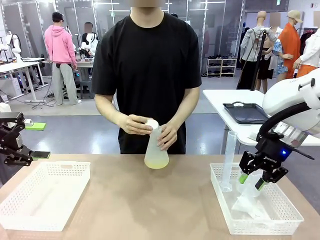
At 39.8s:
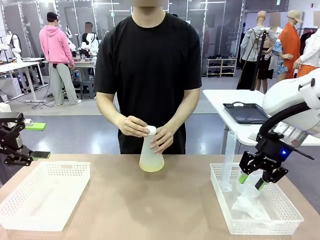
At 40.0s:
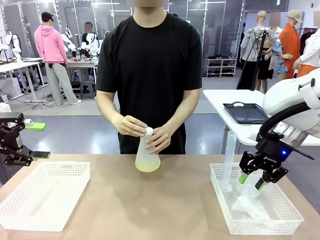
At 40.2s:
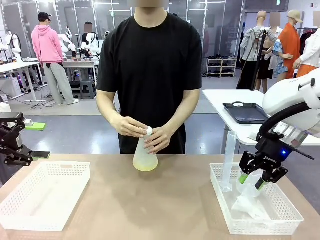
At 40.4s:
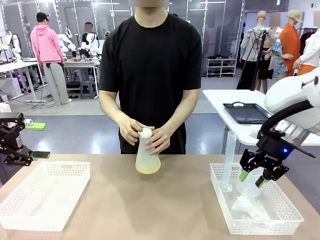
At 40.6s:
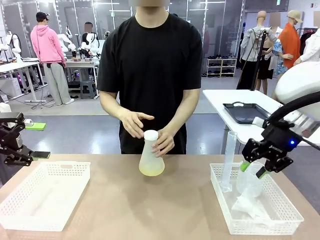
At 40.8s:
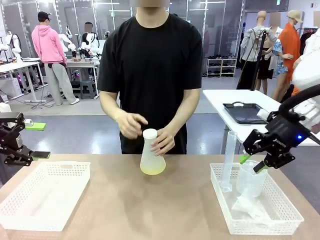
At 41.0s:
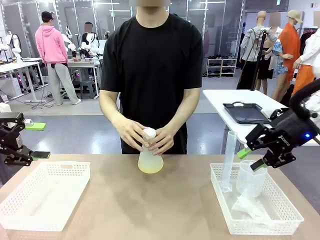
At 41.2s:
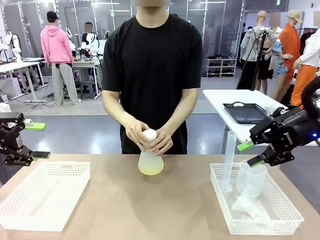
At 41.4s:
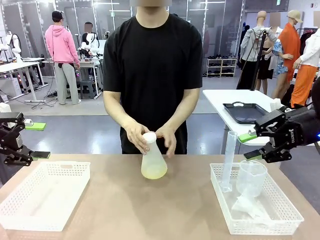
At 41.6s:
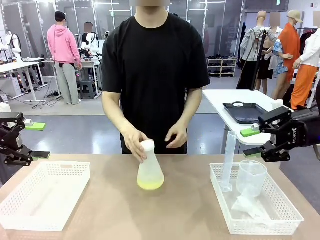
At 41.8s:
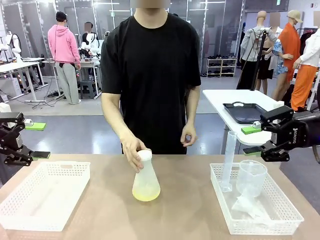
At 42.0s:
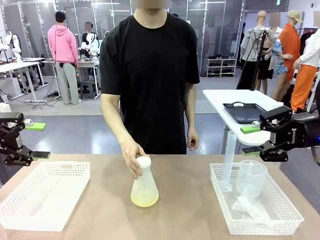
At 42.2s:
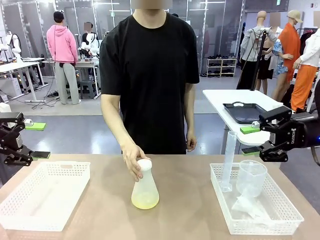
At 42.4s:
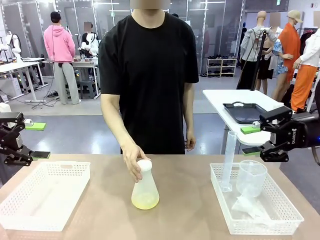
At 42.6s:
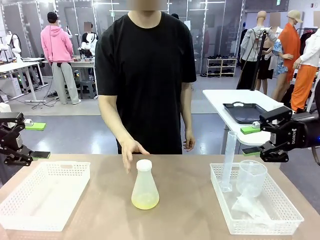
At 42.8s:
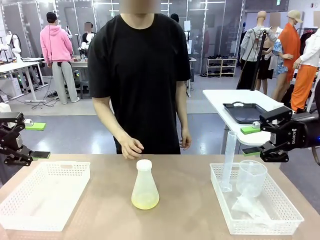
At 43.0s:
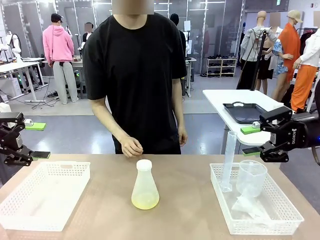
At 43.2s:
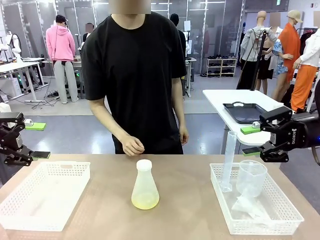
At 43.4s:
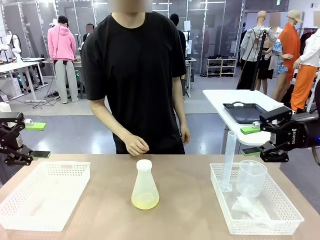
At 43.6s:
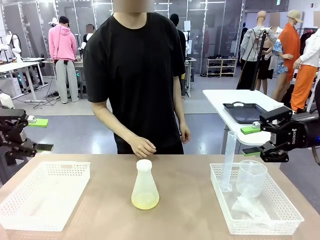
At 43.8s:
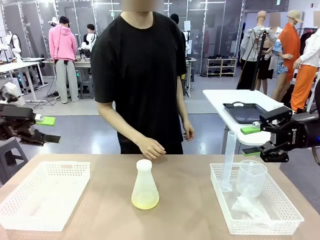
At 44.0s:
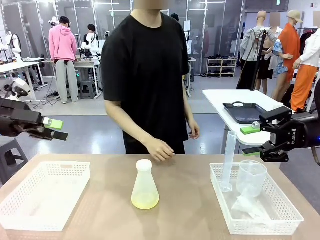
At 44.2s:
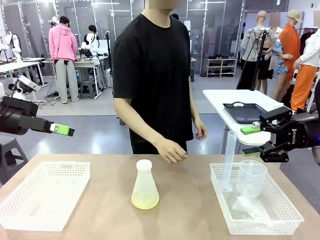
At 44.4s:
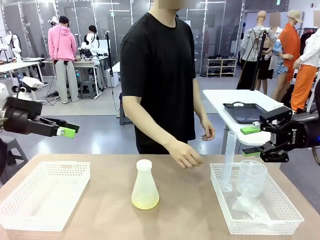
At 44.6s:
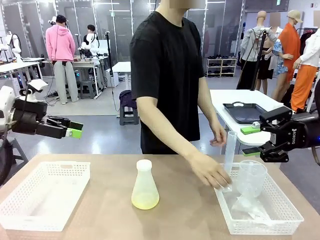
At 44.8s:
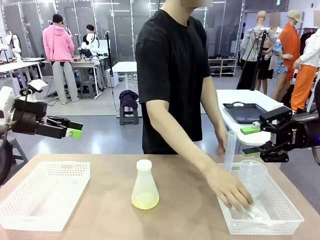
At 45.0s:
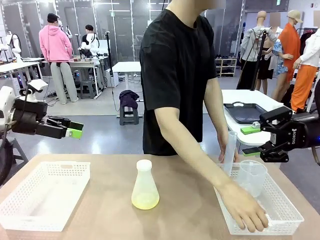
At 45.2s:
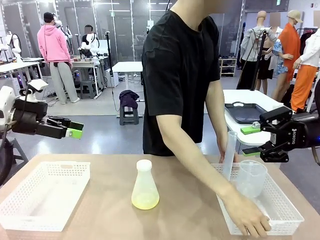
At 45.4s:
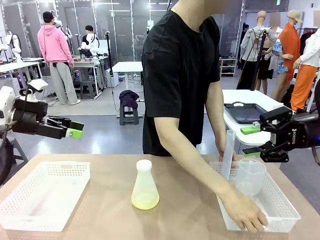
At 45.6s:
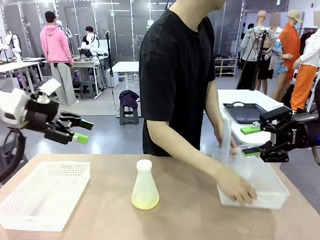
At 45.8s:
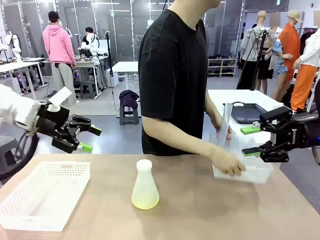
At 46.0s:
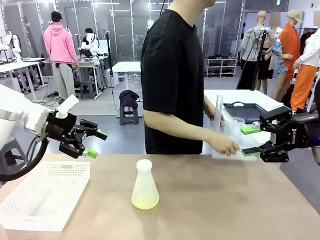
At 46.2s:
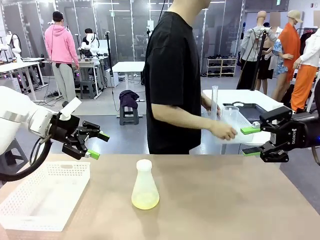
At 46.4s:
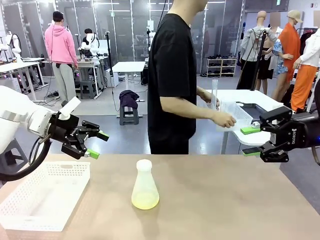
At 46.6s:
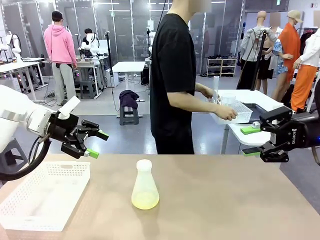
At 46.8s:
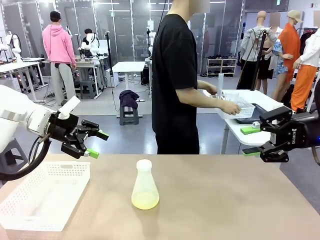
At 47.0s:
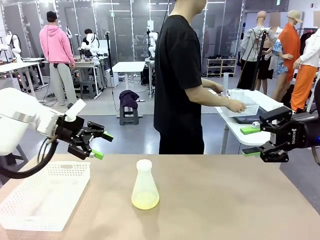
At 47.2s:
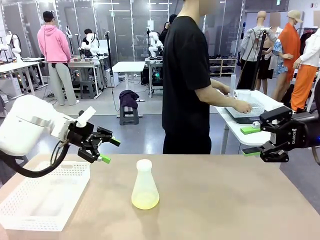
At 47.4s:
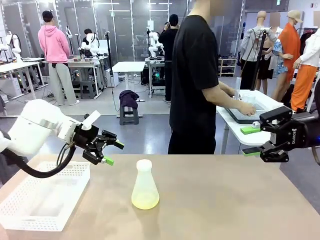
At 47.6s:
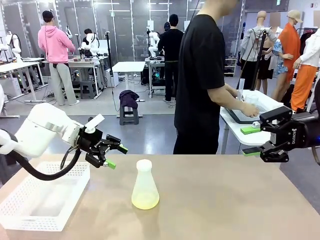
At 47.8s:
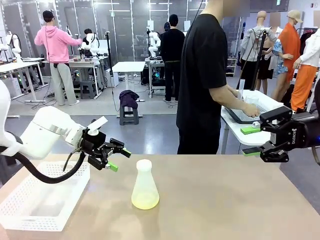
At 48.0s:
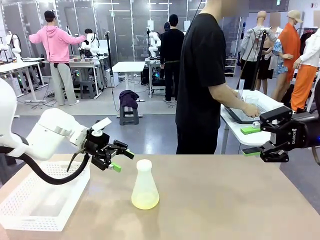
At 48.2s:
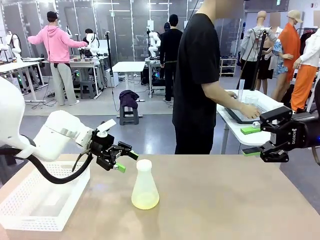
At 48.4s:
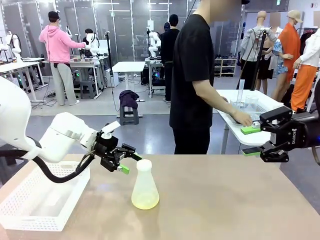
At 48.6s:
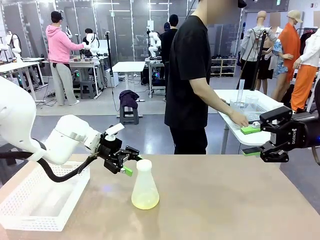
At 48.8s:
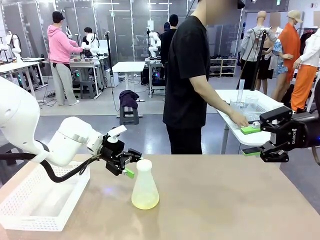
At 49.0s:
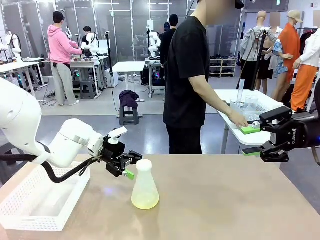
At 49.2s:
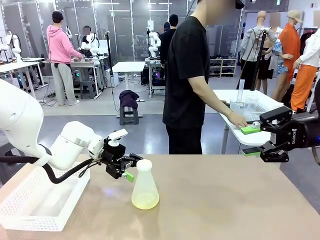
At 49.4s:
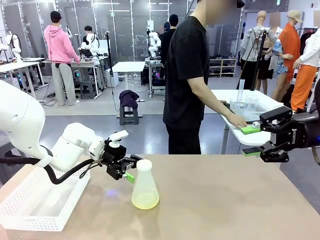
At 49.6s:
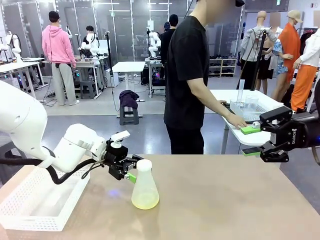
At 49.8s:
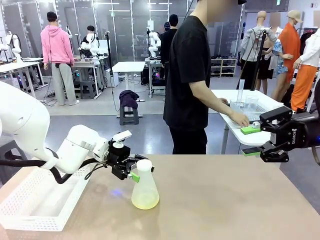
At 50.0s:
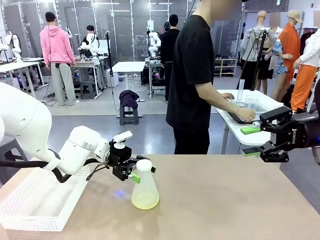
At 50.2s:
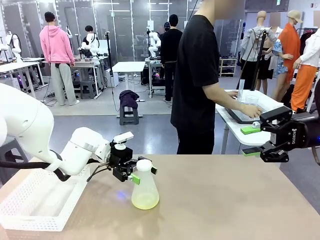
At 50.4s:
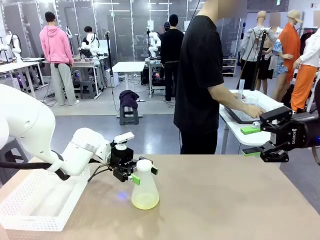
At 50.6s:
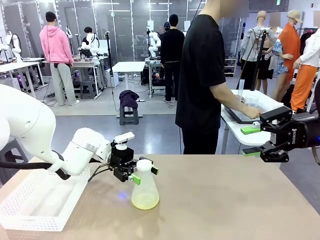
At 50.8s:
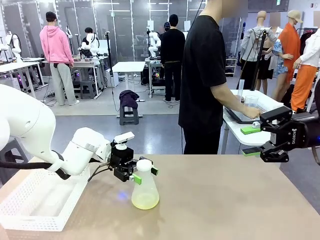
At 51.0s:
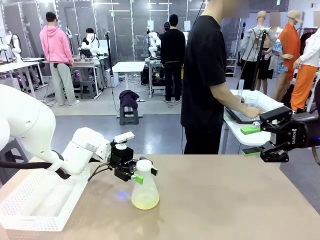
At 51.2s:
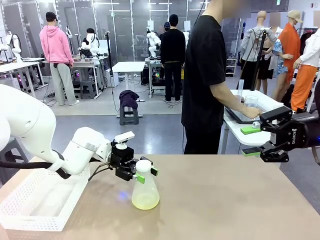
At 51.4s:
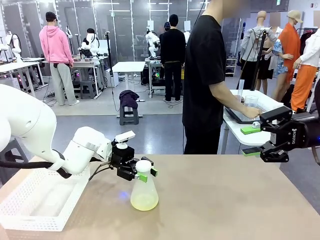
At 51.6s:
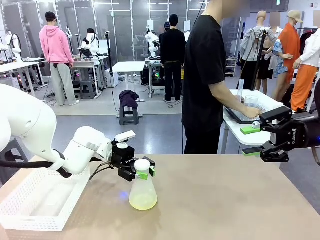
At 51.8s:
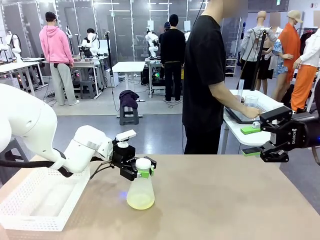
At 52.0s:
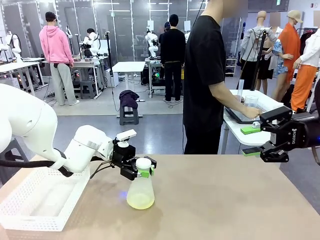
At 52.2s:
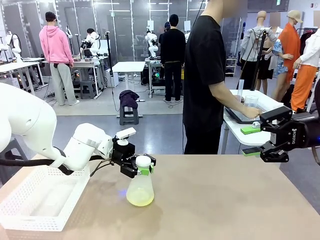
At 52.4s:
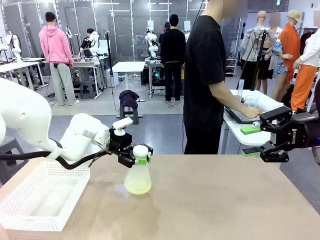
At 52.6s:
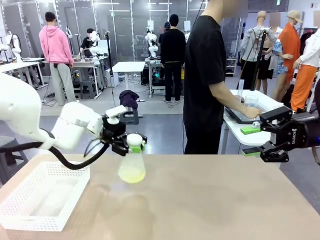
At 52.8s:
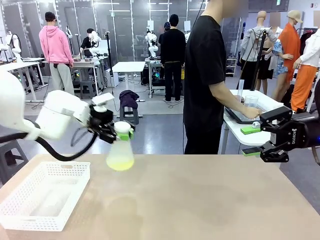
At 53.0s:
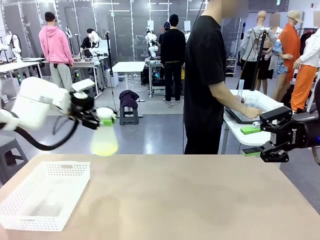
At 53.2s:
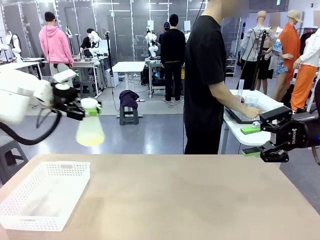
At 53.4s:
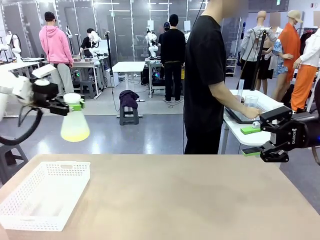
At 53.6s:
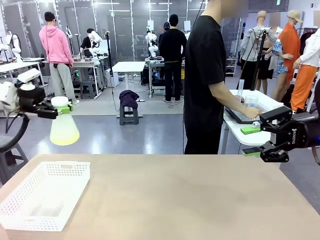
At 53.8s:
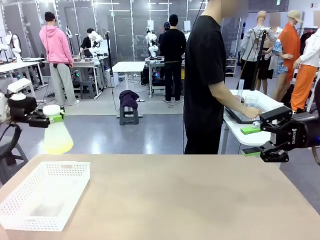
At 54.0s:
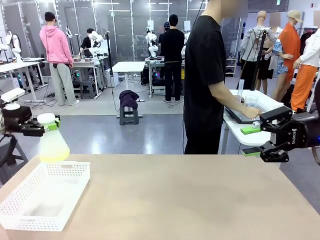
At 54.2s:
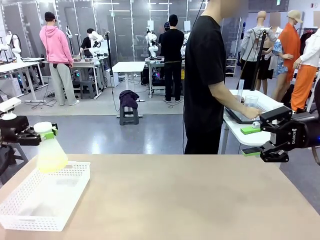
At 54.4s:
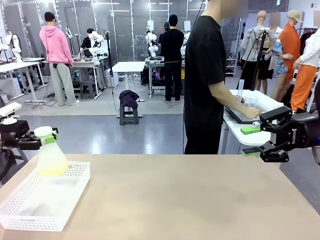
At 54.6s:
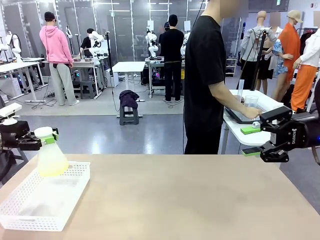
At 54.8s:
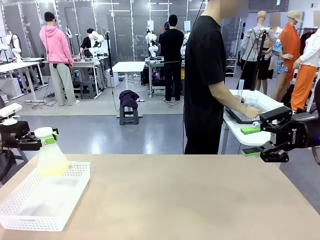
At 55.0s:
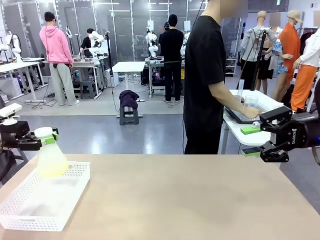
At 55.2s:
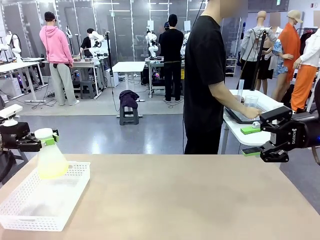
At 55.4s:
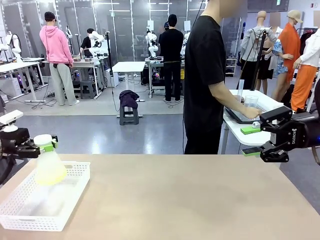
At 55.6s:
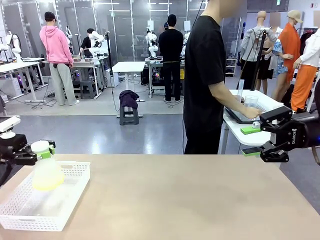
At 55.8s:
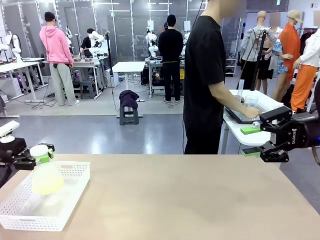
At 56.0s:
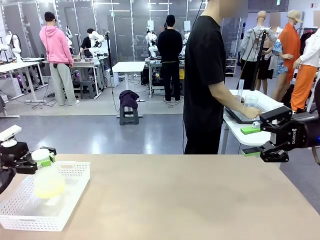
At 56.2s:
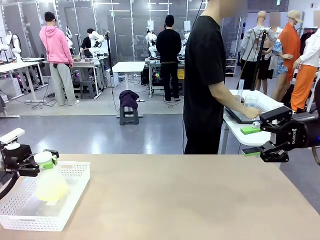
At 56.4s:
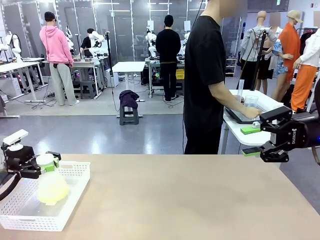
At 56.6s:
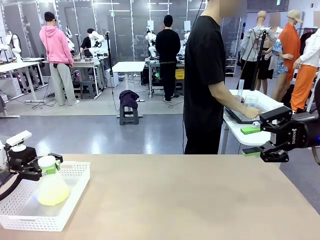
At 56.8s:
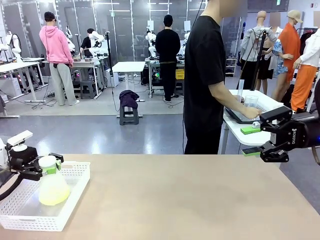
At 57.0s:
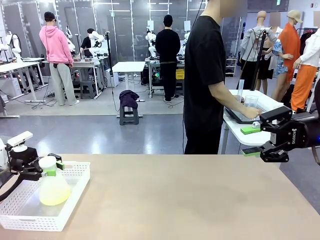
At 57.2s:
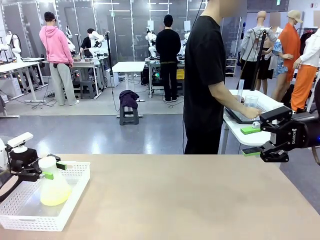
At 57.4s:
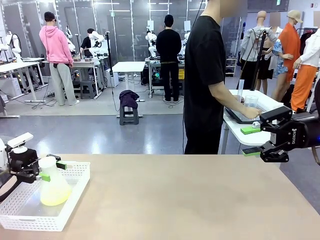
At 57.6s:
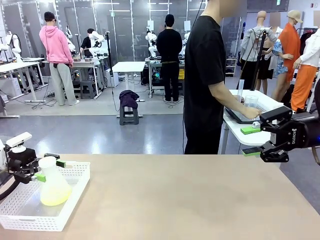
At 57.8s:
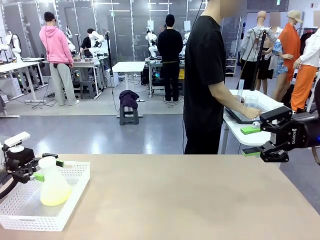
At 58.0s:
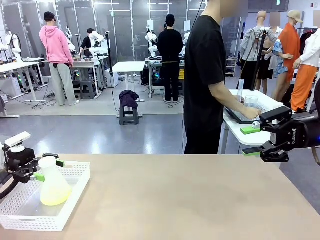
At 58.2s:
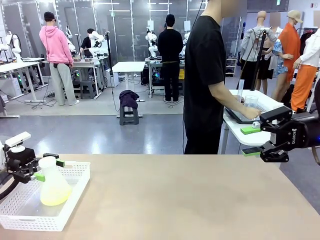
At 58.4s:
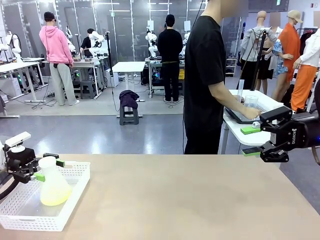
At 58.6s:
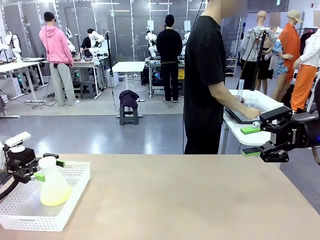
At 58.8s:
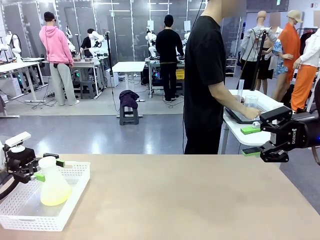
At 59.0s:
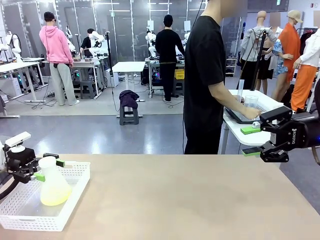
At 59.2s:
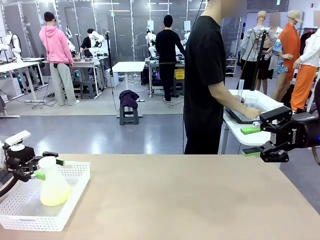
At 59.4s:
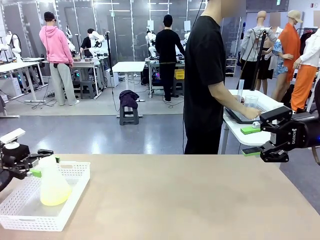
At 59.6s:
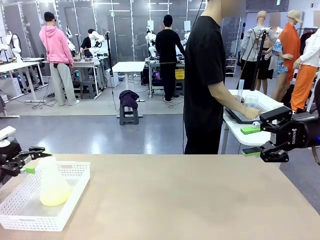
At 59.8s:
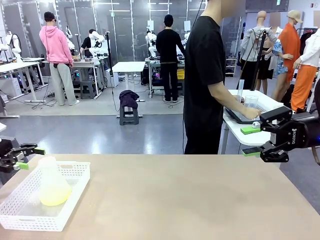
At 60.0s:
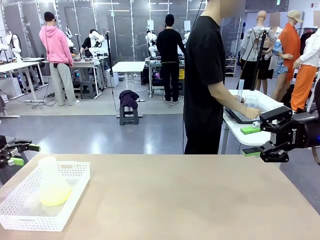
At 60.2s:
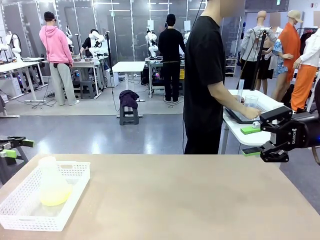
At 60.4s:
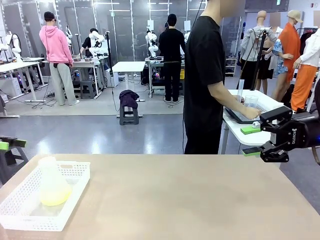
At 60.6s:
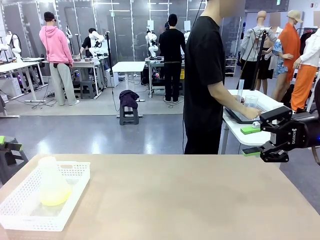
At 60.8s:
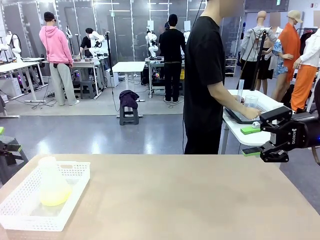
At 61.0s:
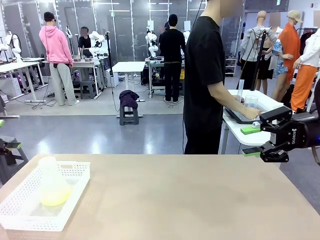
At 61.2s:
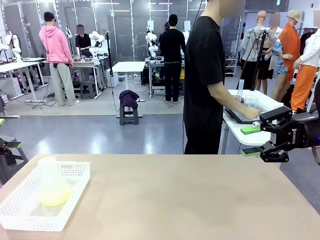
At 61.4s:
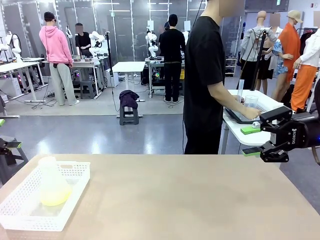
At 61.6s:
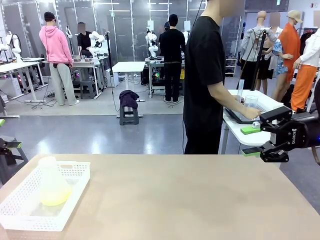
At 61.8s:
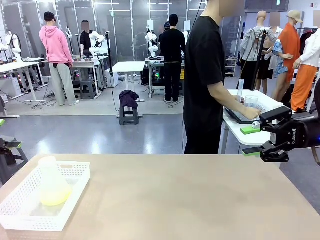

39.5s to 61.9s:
Task: Prepare the solutions needed for the experiment.
Robot: When the human places the Big flask in the center of the table, pick up the Big flask and place it in the left Organizing basket.
Person: Pick up the organizing basket on the left side of the robot table and place it on the left side of the human table.
